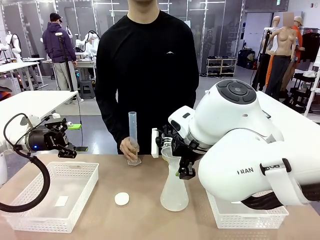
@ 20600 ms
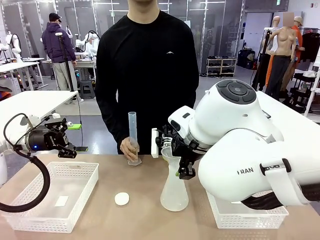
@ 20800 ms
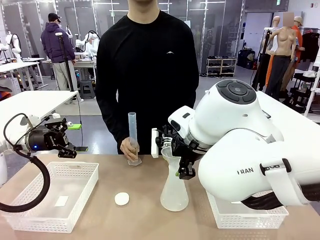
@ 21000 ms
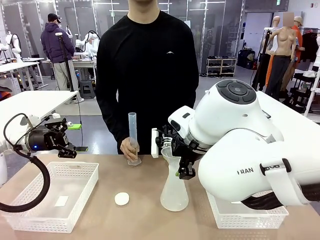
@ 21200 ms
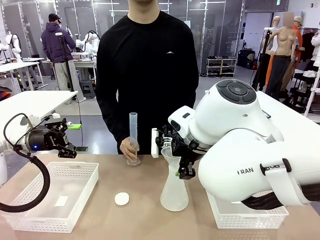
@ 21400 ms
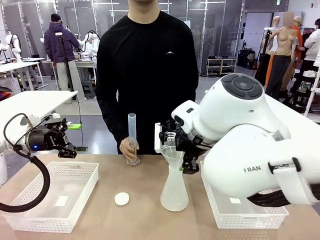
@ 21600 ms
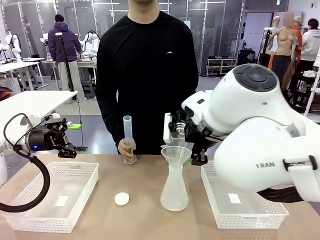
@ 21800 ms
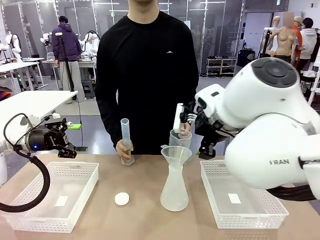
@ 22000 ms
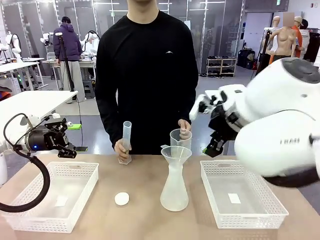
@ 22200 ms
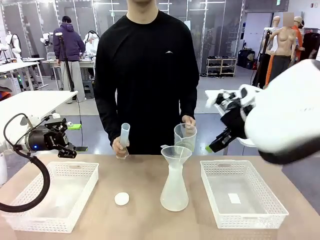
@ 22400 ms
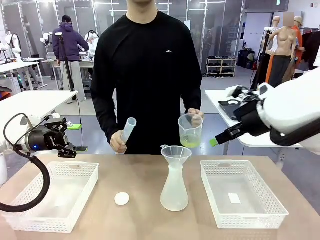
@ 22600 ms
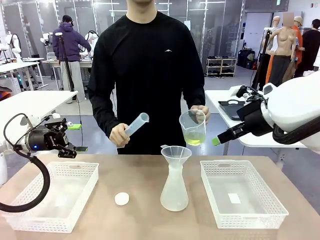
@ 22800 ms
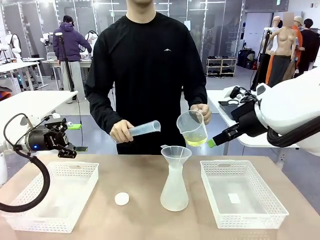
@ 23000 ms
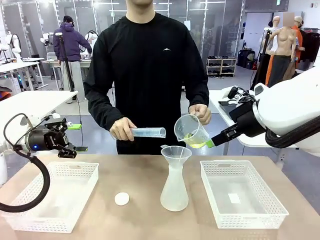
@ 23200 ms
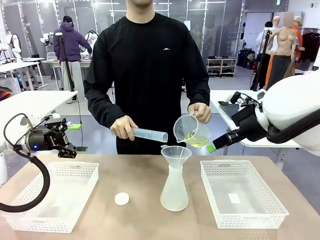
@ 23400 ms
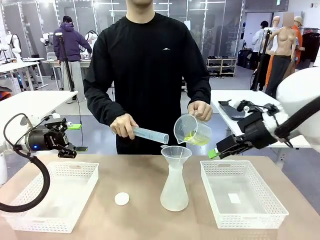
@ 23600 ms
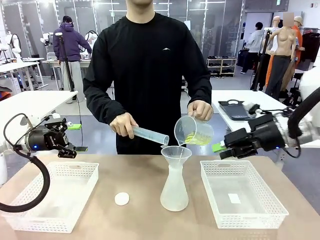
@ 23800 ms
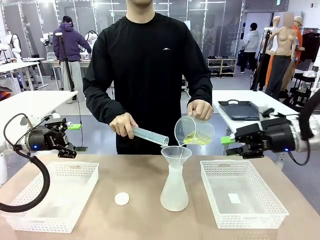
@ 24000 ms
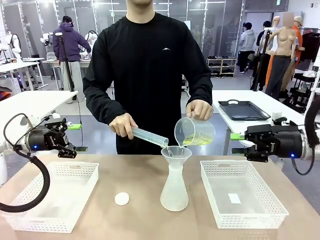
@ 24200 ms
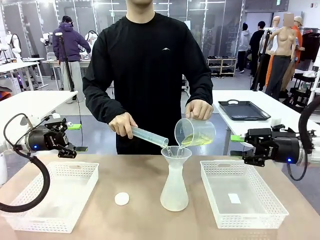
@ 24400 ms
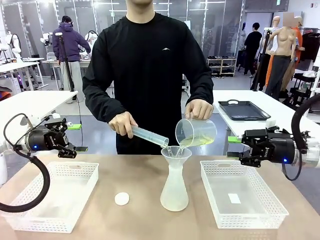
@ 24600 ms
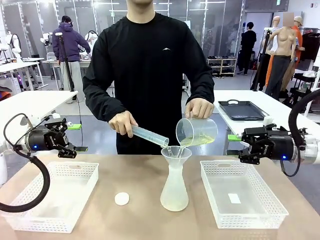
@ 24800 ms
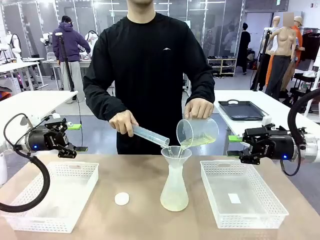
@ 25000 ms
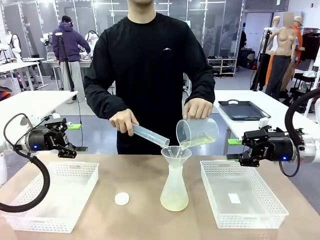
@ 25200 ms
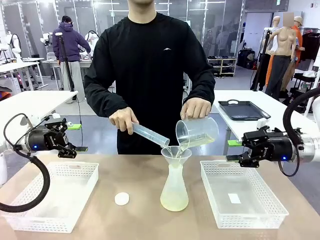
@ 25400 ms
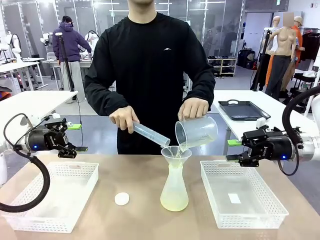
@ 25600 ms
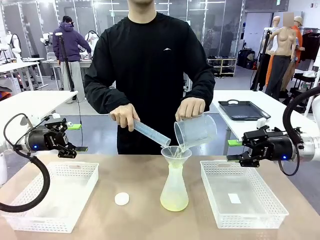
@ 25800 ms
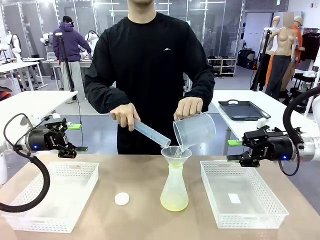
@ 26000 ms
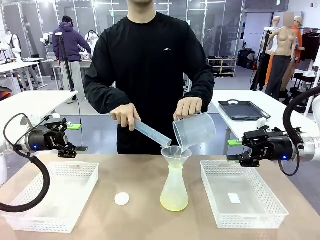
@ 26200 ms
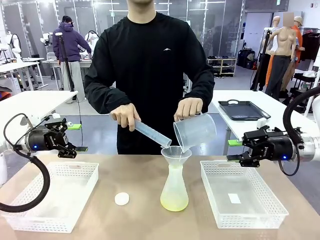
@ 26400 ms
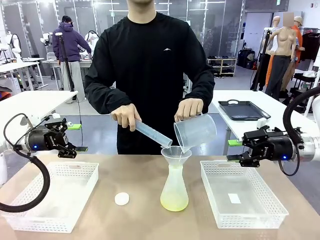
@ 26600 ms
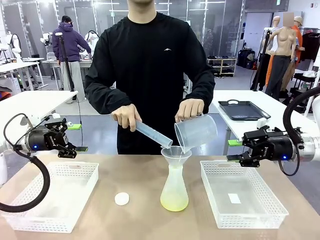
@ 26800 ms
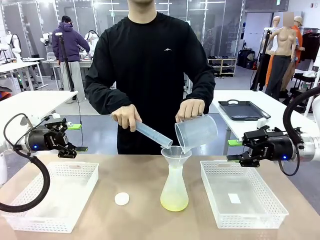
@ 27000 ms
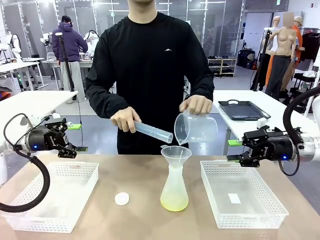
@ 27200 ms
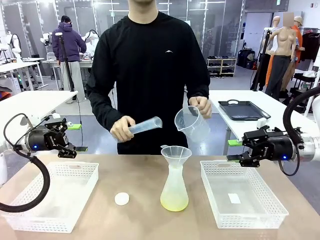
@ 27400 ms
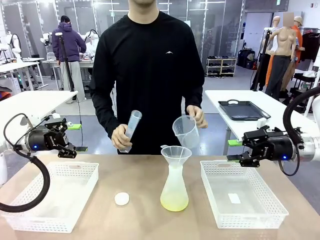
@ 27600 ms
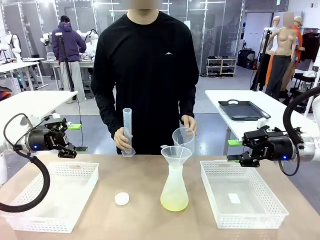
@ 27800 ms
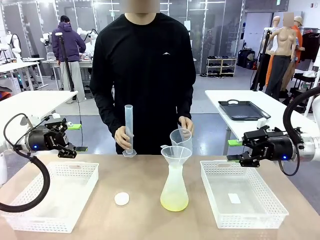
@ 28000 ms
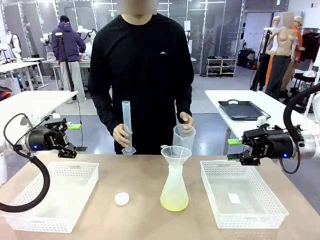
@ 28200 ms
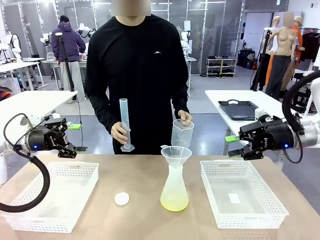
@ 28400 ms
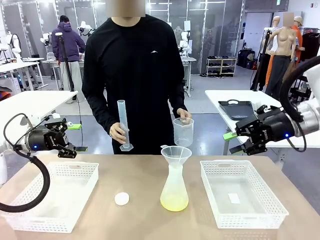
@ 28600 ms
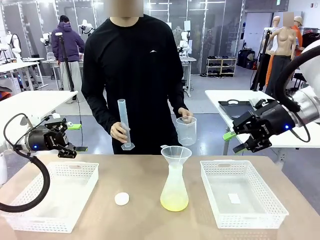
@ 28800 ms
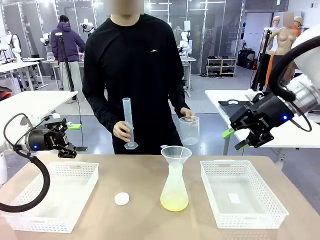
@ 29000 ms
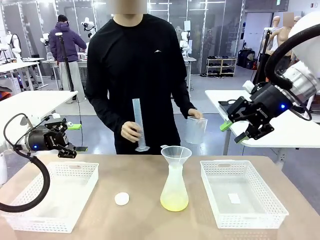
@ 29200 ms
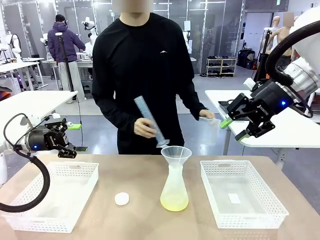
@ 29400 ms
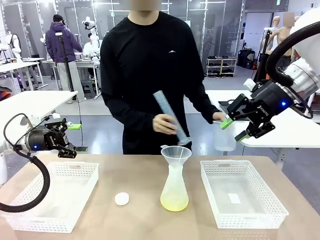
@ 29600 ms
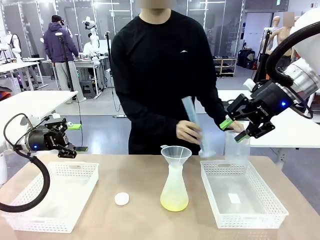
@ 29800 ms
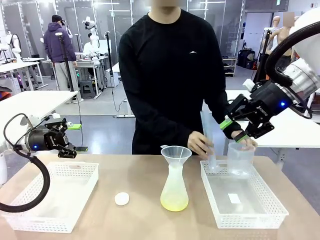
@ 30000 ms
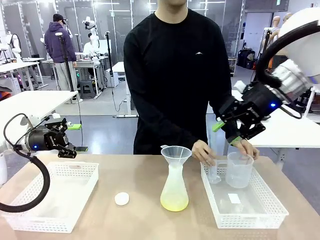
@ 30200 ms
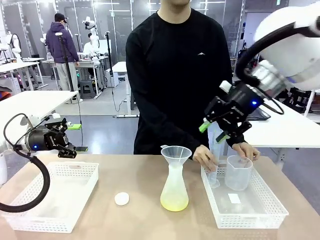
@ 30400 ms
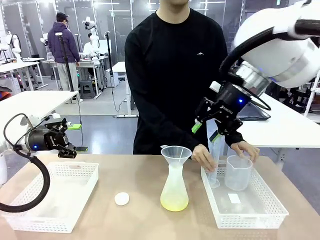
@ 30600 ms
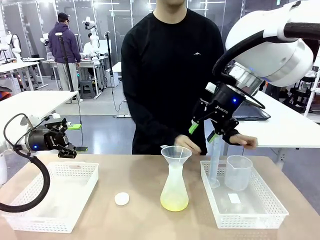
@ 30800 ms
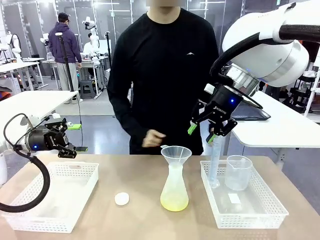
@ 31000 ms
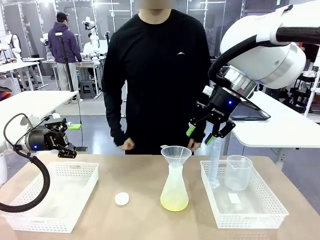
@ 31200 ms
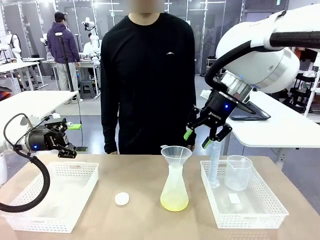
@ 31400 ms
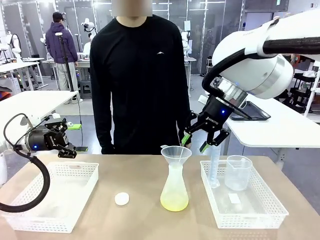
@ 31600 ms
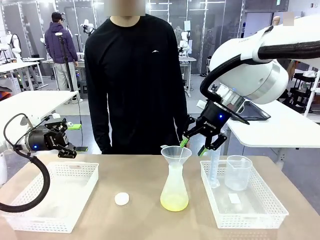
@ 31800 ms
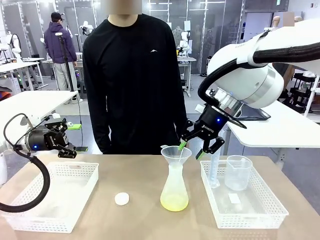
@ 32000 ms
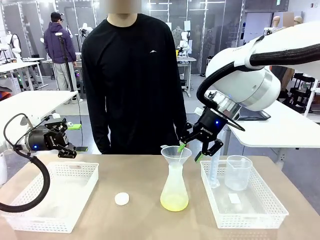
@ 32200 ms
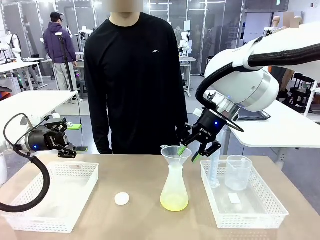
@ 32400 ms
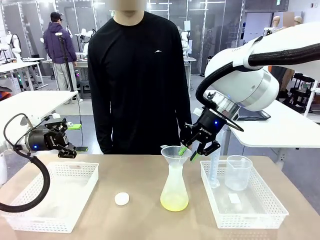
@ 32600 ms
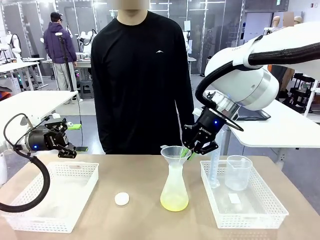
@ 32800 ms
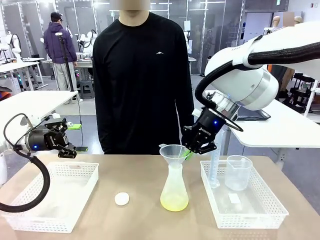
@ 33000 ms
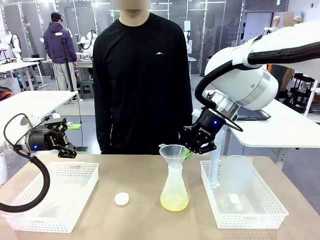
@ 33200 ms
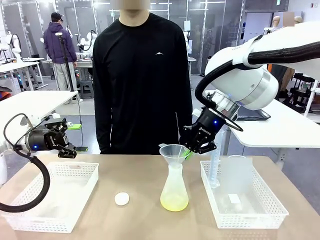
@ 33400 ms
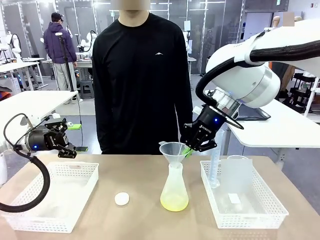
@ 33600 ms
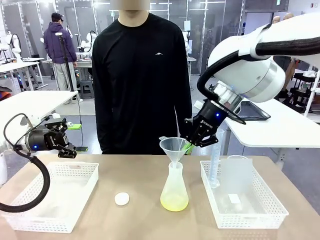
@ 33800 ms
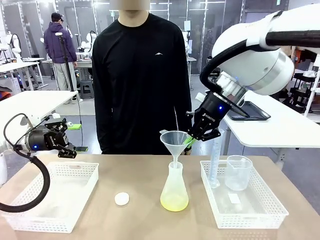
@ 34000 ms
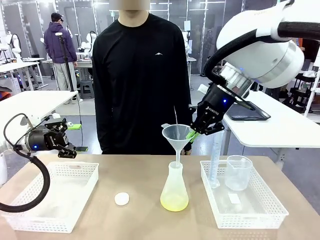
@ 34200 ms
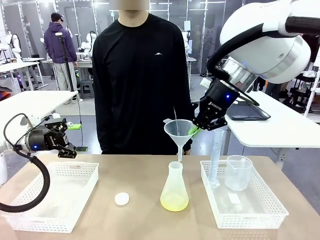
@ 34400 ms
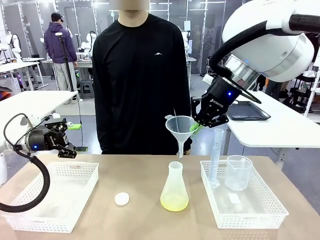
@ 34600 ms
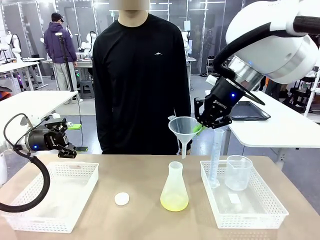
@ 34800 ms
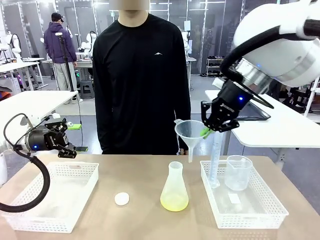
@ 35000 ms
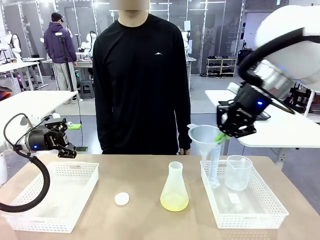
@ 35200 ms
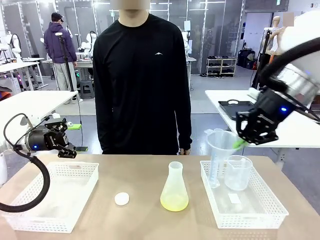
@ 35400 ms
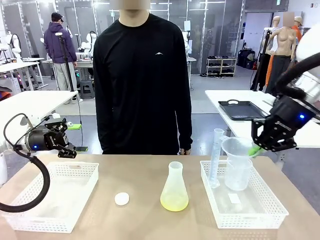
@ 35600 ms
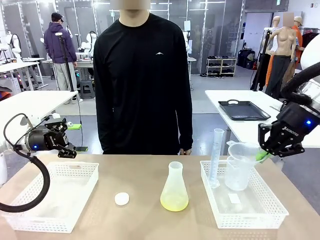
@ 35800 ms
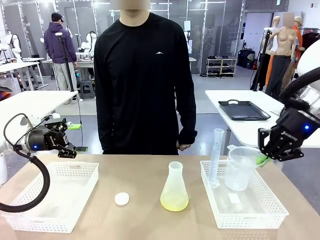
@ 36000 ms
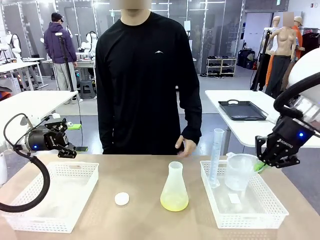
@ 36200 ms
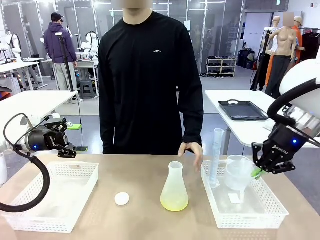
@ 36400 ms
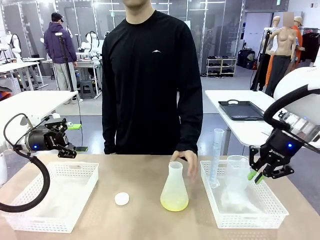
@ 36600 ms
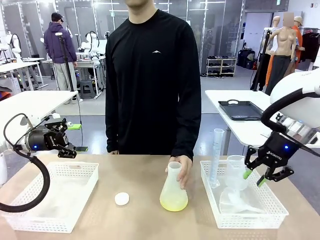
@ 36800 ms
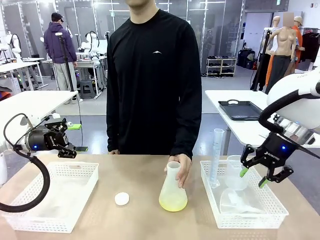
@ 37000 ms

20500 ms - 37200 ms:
Task: Prepare the solutions needed for the experiment.
Robot: Once the solution is in the Big flask , pick up the Plastic Funnel and place it back into the right Organizing basket.
Person: Place the beaker and the cylinder into the organizing basket on the left side.
